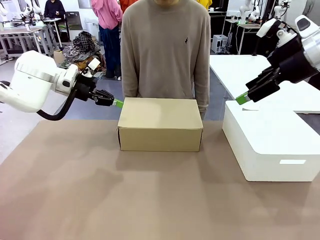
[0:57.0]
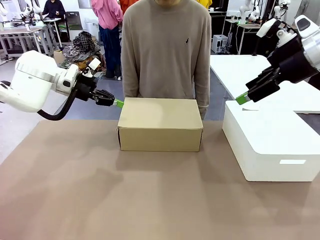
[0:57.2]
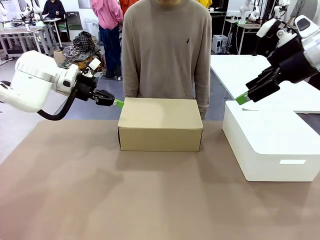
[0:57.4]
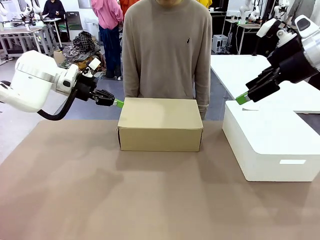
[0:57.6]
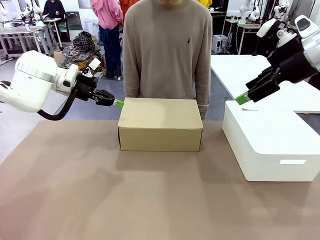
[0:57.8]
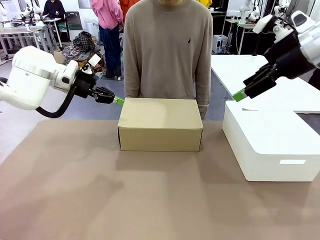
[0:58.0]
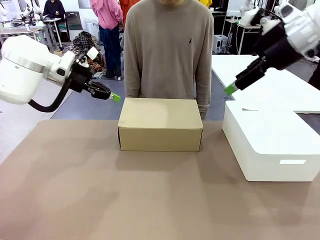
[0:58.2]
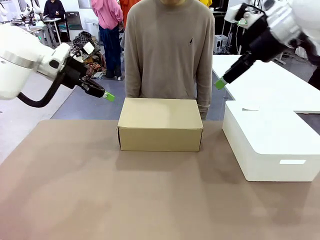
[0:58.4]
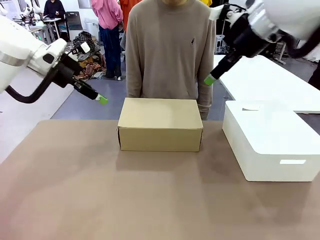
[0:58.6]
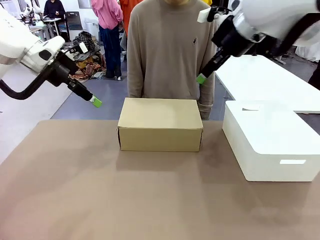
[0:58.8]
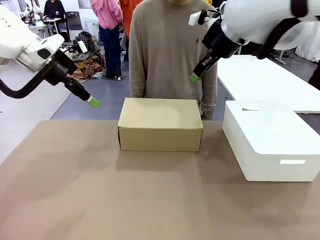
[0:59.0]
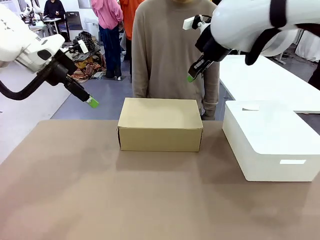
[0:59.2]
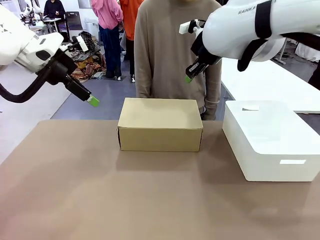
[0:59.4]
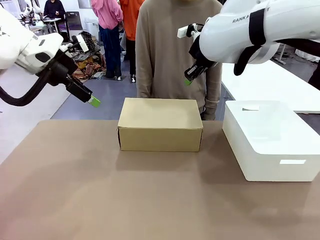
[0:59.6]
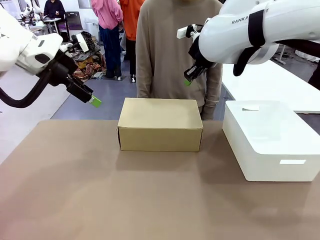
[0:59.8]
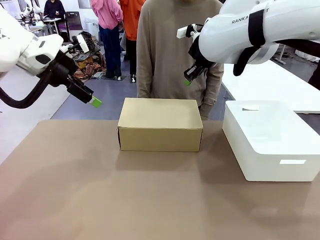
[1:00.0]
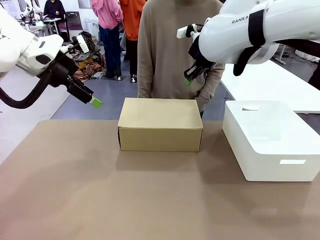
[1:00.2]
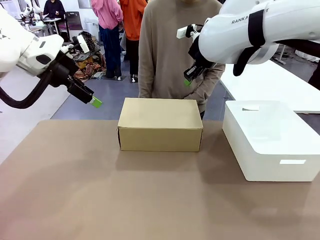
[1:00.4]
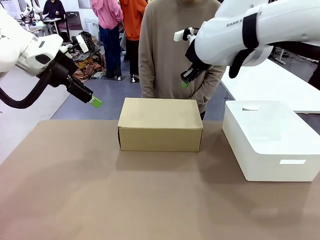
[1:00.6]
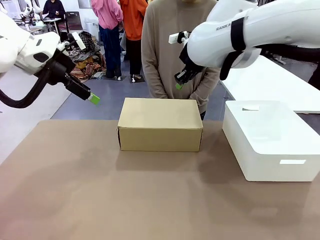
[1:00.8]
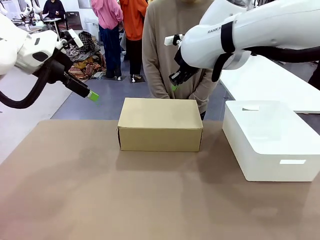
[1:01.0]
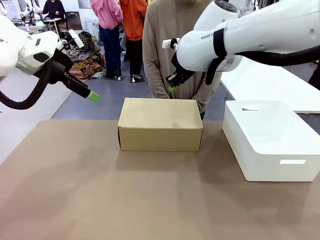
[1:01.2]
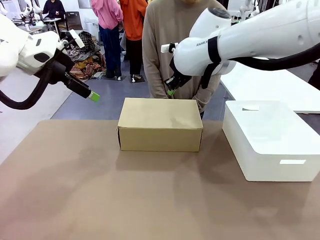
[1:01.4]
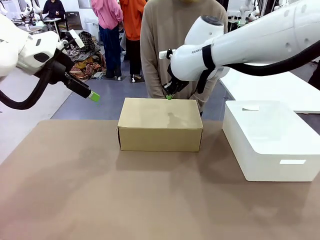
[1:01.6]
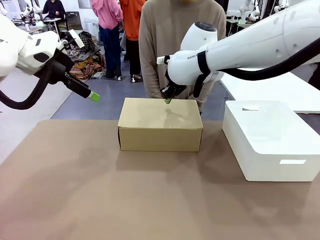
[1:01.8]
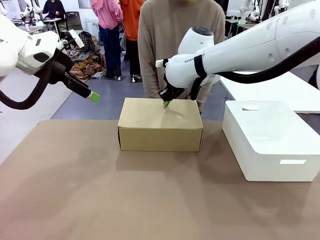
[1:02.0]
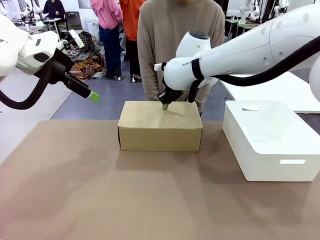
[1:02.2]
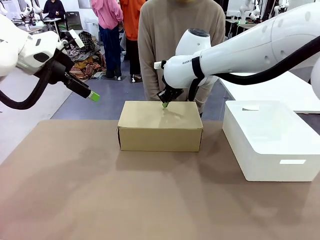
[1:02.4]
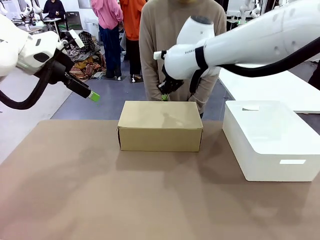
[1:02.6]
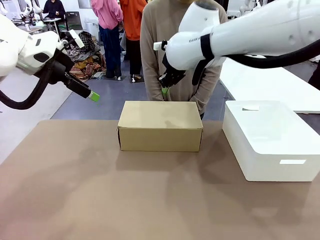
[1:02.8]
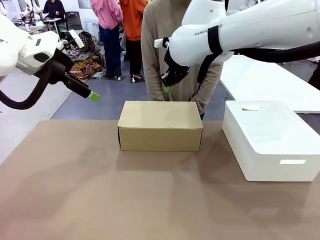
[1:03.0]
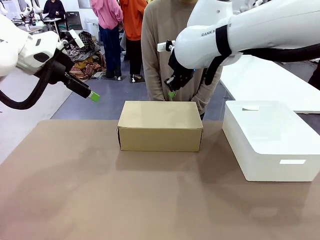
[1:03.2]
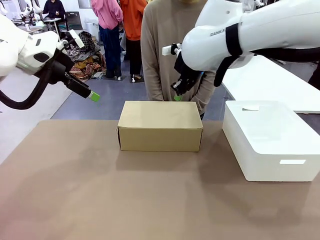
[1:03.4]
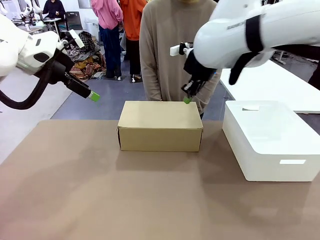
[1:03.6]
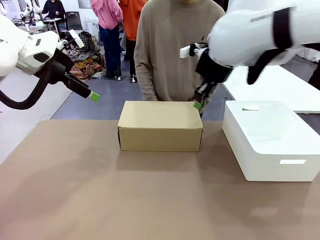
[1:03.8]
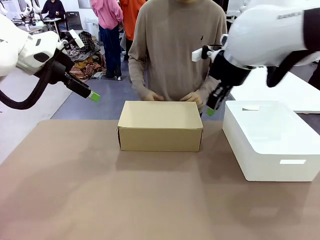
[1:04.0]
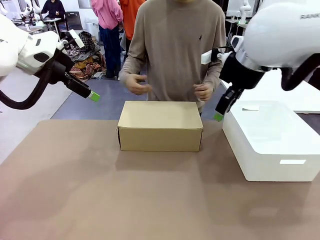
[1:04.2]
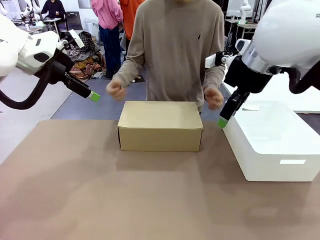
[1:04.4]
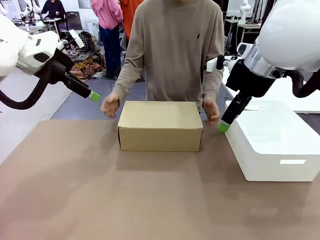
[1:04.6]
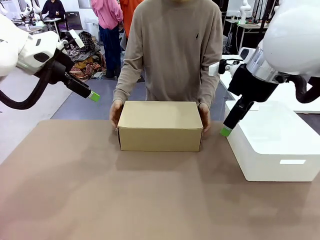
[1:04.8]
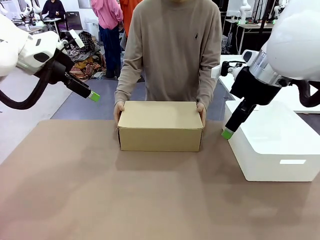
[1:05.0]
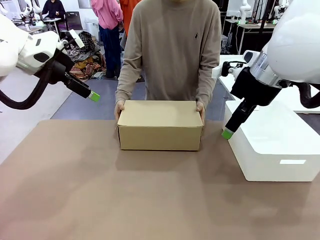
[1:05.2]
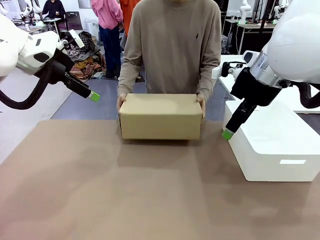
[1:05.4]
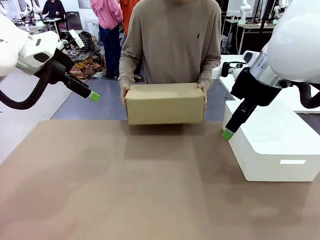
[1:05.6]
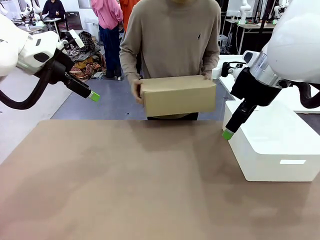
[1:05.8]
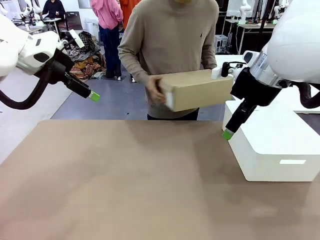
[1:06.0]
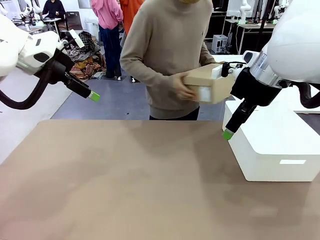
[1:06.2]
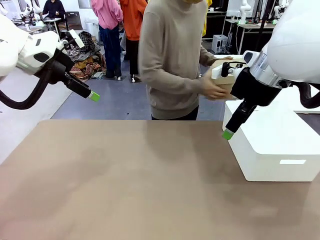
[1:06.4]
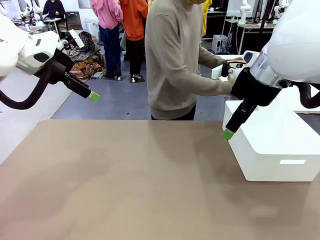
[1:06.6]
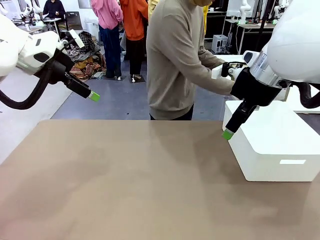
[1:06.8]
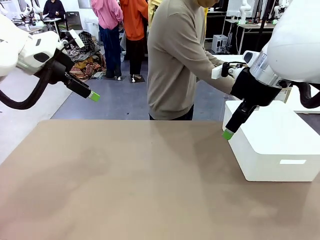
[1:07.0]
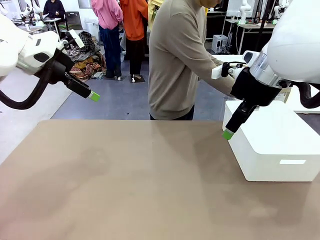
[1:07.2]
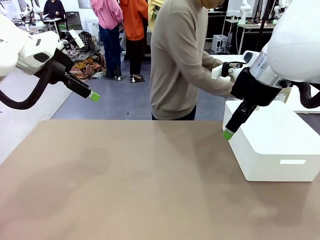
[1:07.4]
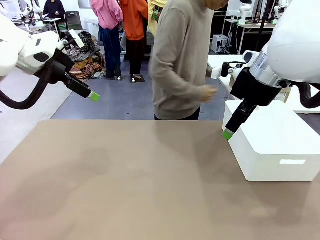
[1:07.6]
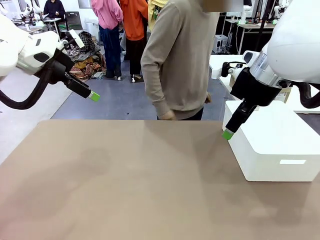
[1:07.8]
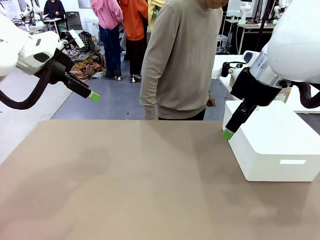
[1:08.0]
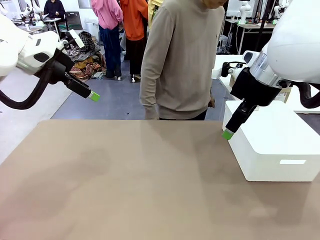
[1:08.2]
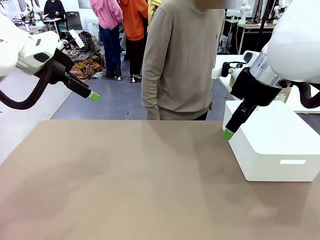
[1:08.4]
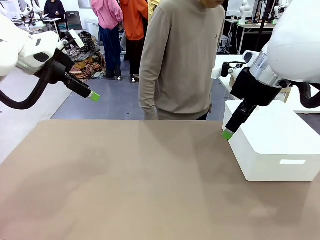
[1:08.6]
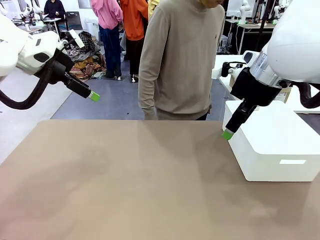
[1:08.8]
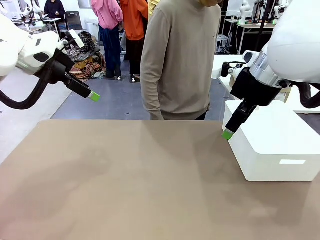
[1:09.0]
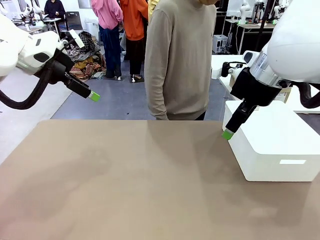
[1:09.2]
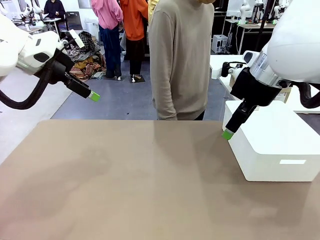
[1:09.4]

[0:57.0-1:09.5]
Task: Pack the shoes into the box.
Robot: Press down on the lid of the Shoes Box.
Person: Place the closed Shoes Box to the right side of the human table.

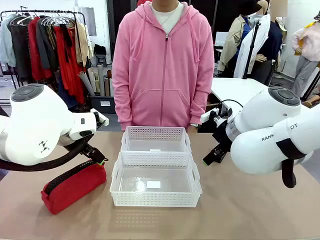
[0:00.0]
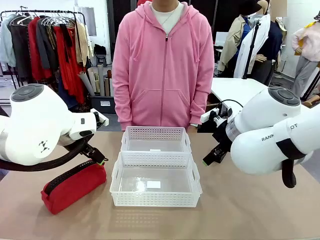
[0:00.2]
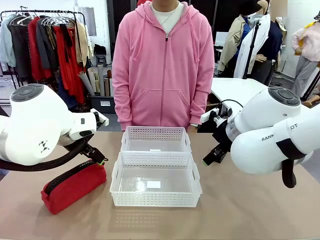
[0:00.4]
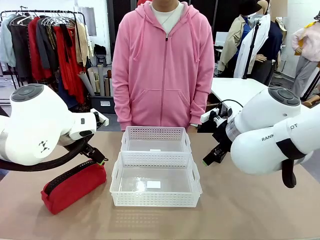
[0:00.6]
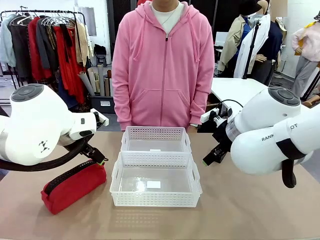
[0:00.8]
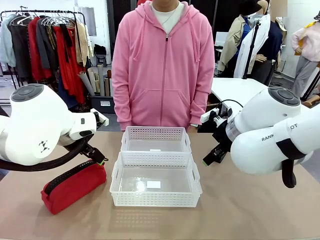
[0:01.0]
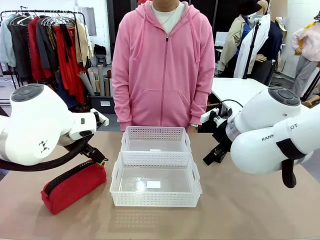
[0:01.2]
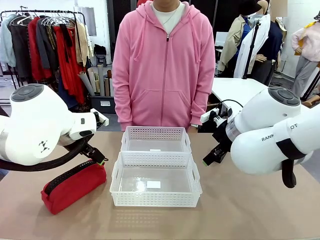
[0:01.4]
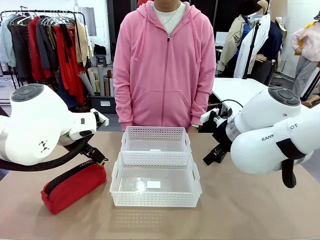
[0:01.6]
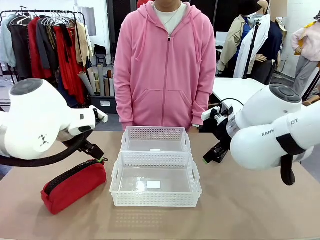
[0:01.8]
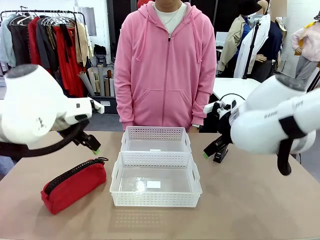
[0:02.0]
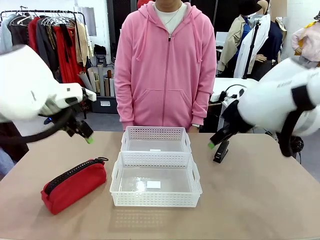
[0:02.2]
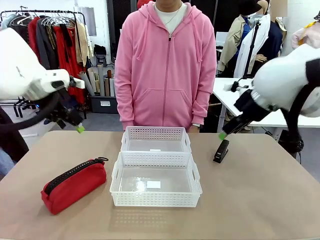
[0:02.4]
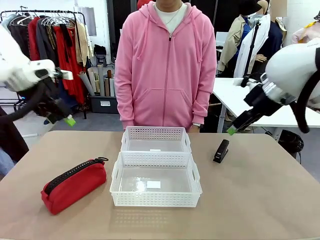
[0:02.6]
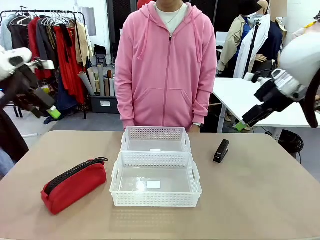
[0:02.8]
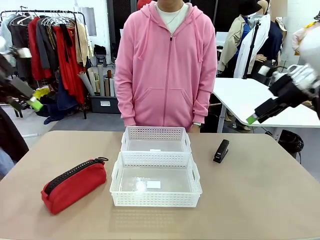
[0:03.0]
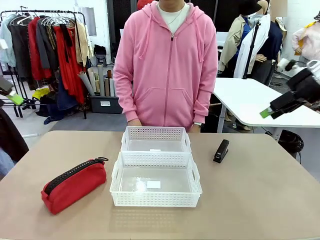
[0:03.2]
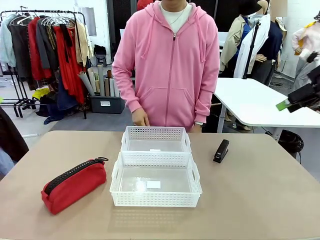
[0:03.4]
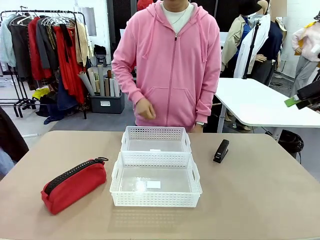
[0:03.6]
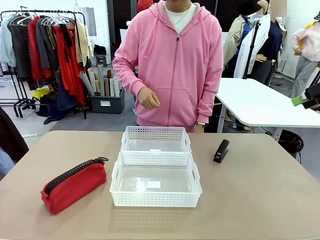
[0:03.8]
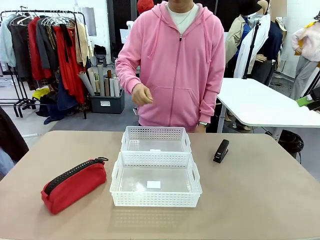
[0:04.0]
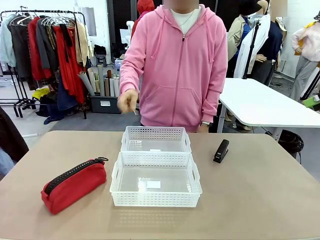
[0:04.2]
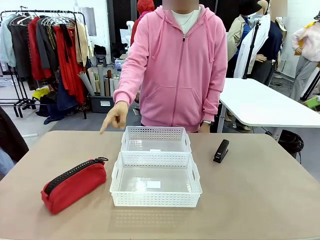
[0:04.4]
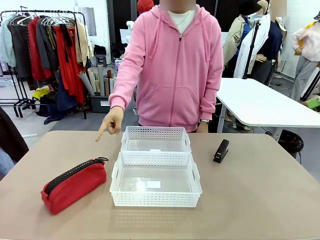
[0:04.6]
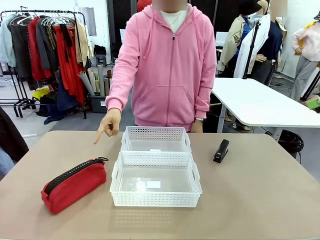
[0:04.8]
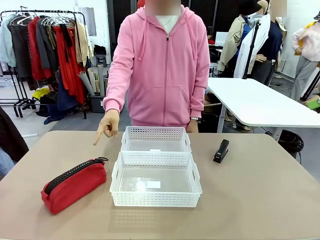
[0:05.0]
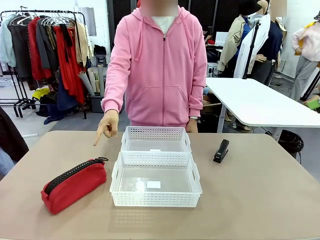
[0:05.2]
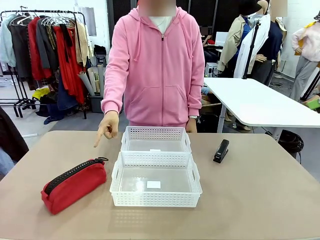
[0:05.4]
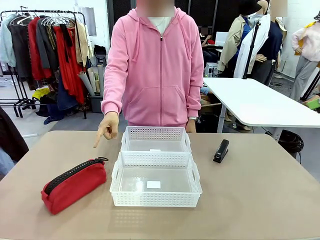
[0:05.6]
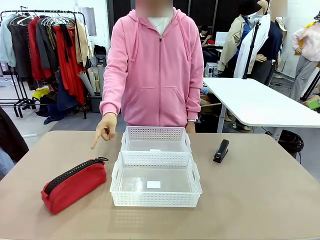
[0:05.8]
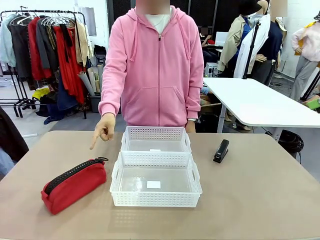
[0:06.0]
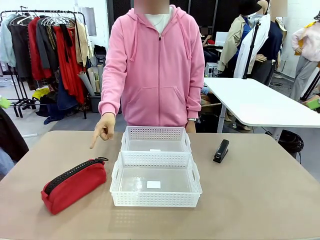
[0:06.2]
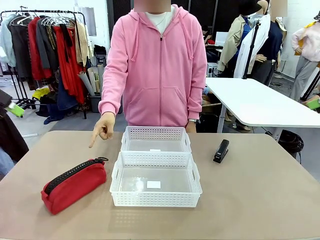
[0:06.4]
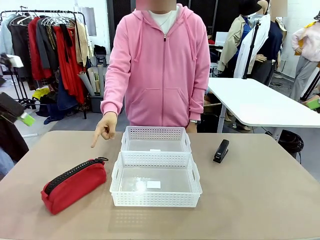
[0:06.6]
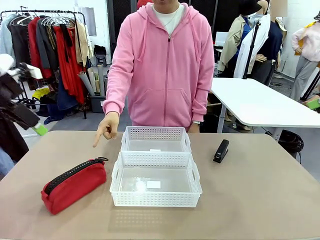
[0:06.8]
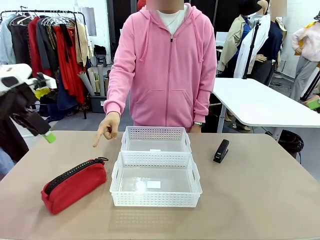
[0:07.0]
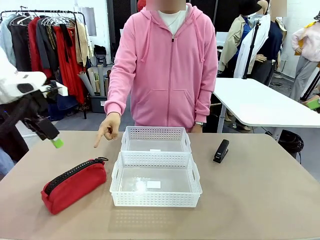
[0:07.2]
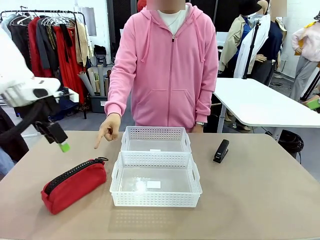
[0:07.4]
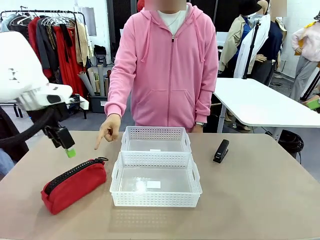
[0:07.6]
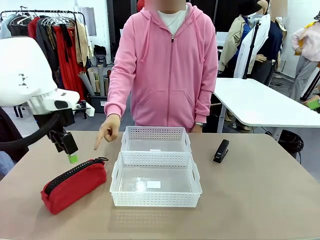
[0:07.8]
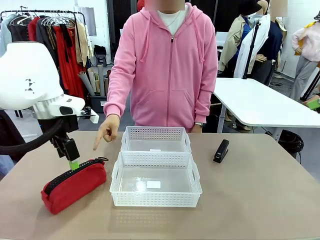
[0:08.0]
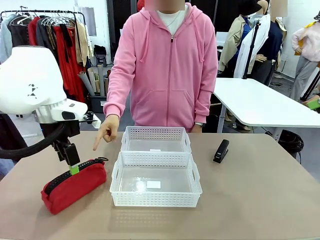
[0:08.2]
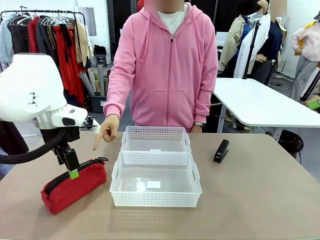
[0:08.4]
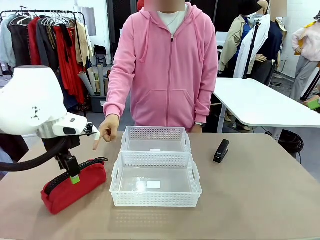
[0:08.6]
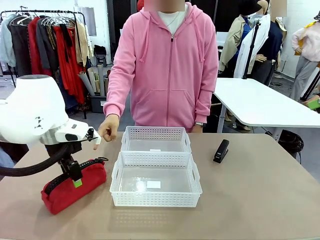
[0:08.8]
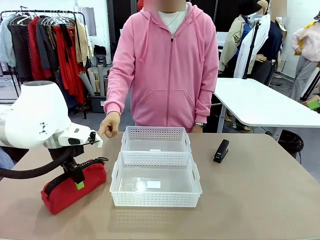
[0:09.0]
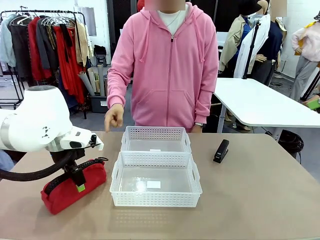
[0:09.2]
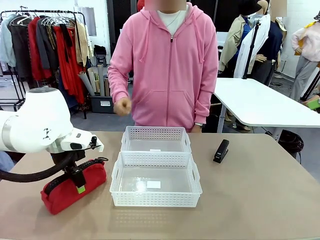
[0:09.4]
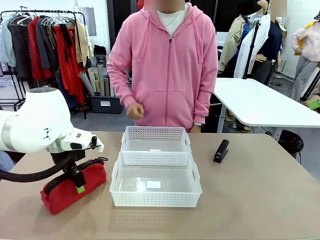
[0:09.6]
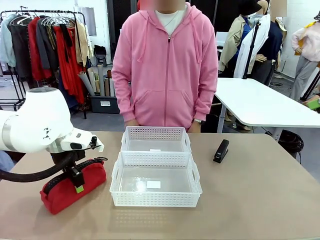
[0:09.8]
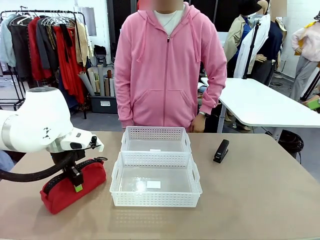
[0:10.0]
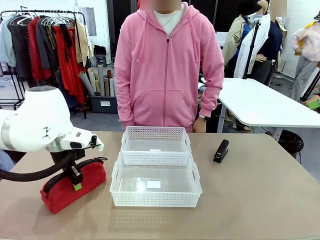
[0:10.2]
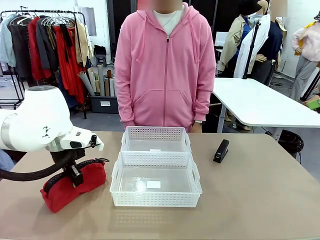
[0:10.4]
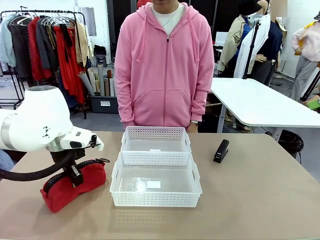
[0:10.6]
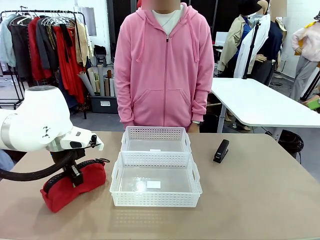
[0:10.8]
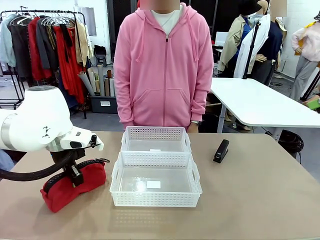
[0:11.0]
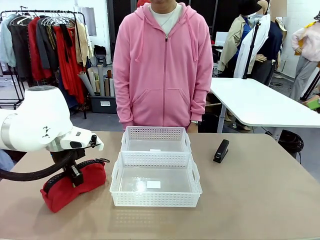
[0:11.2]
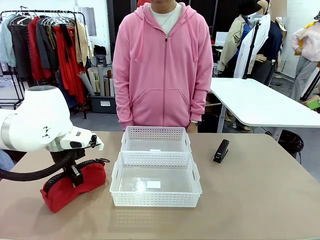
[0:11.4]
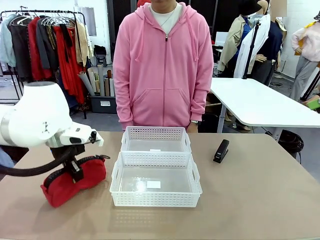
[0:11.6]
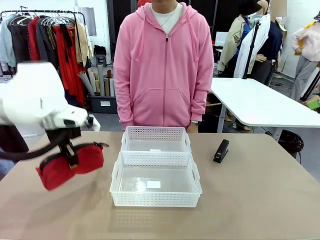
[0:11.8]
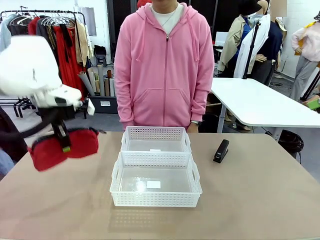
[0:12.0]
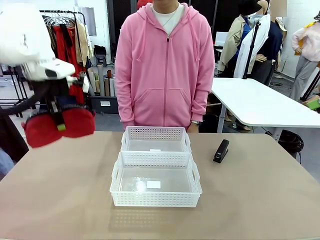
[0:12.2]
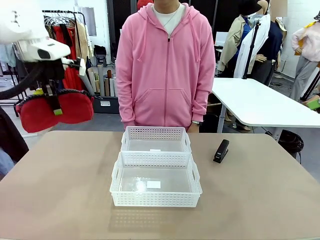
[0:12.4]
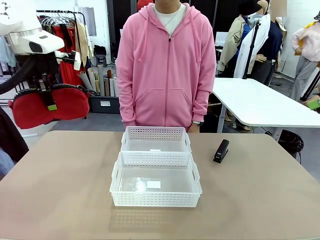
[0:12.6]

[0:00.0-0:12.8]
Task: Distribute items into two baskets.
Robot: Pick up the Pencil pouch that the person points to.
Person: Points to the pencil case. Points between the two organizing baskets and instructs the robot to move the pencil case.
